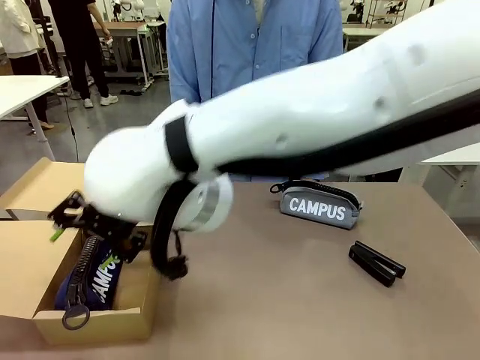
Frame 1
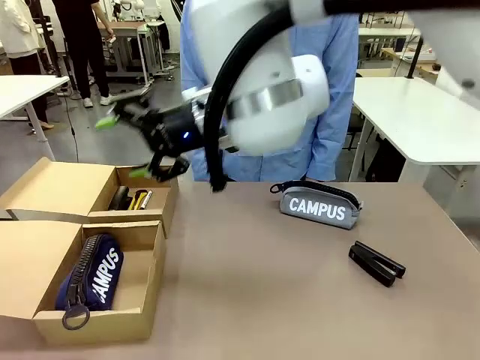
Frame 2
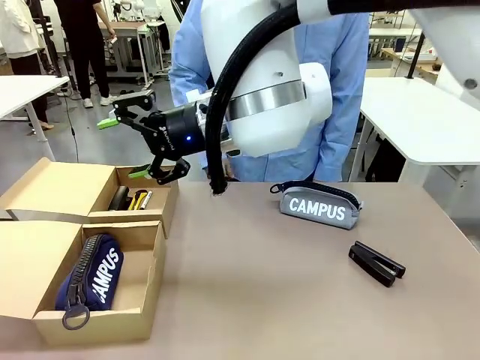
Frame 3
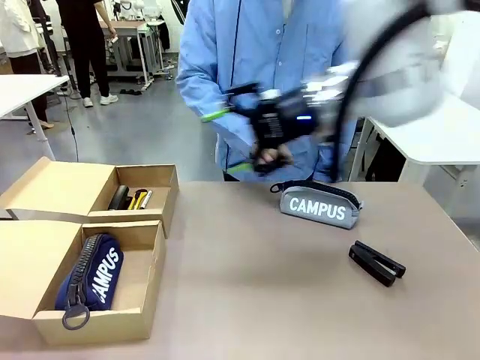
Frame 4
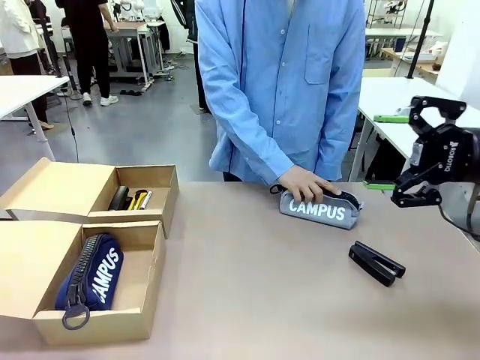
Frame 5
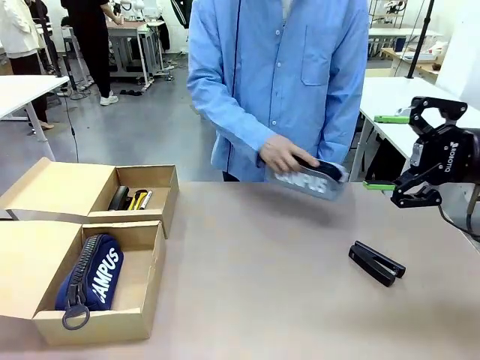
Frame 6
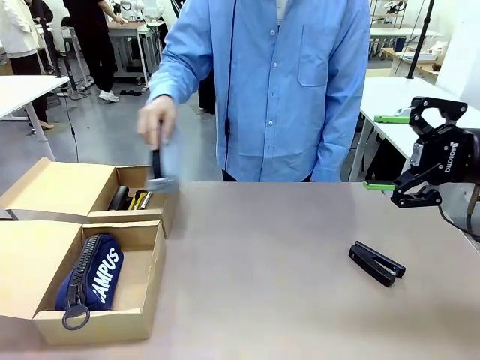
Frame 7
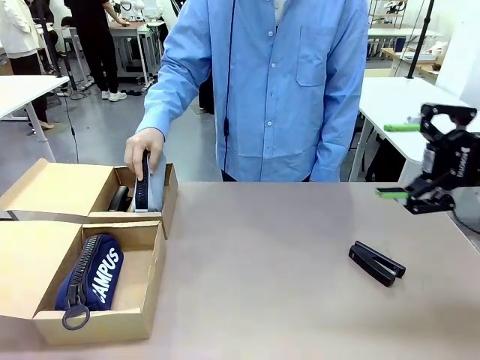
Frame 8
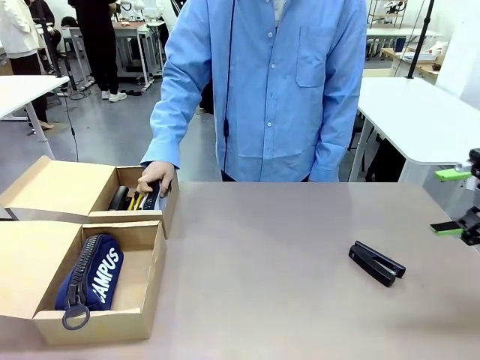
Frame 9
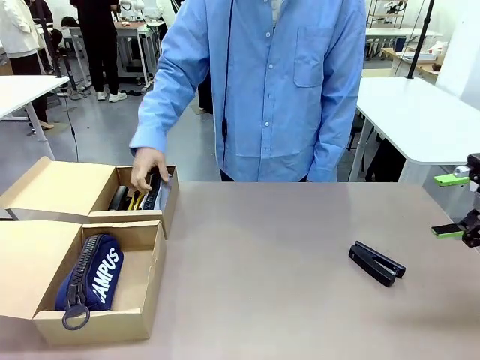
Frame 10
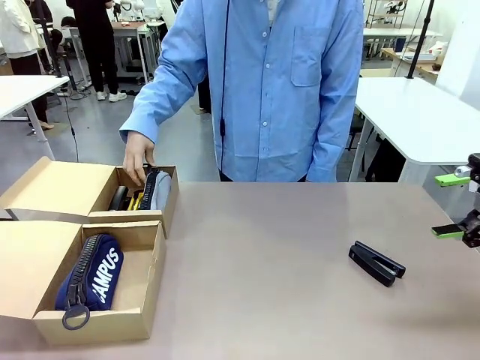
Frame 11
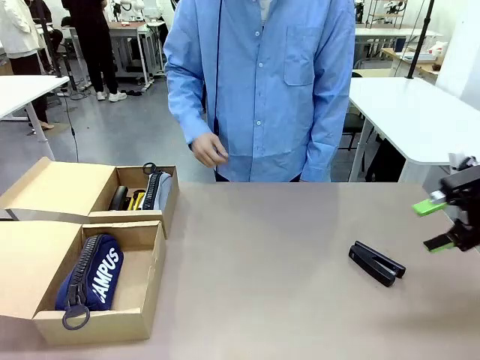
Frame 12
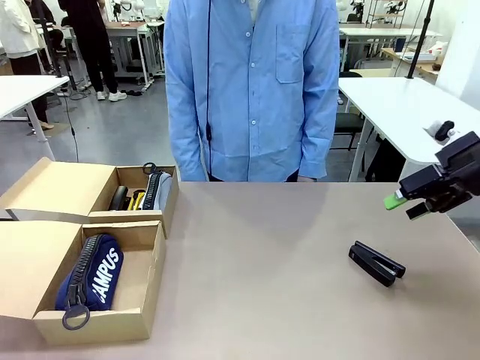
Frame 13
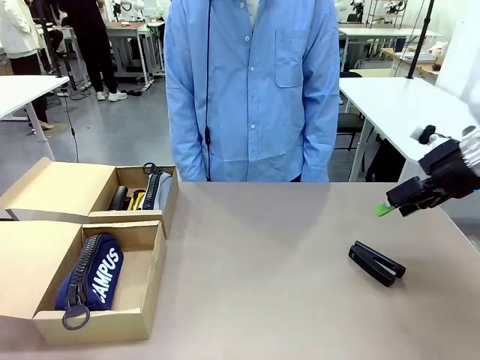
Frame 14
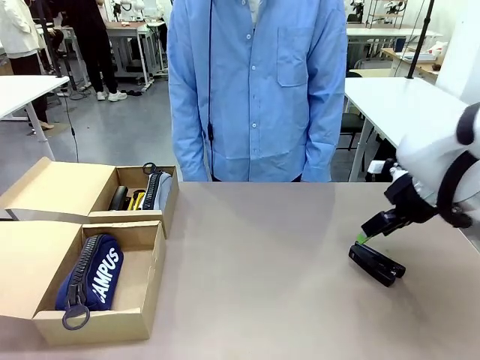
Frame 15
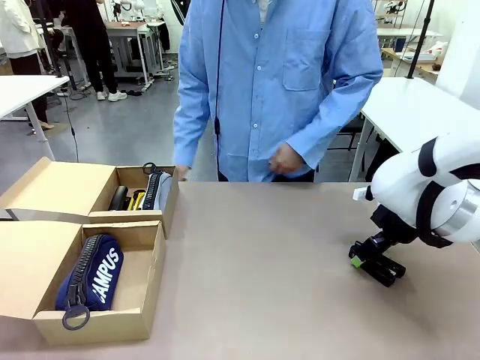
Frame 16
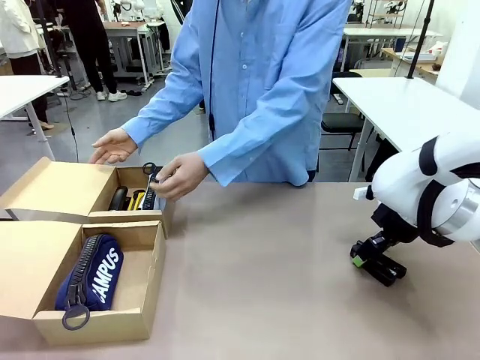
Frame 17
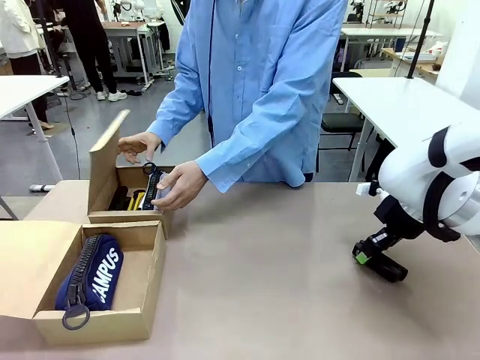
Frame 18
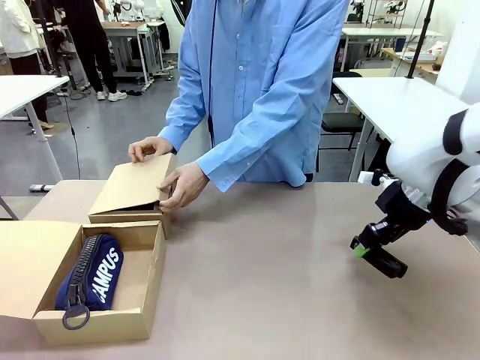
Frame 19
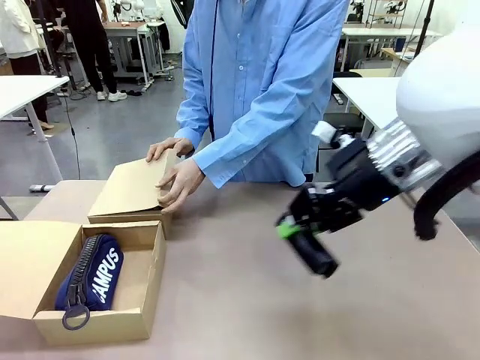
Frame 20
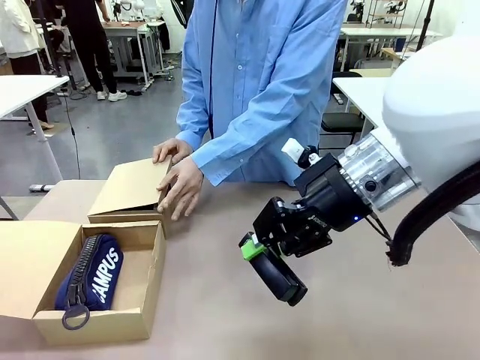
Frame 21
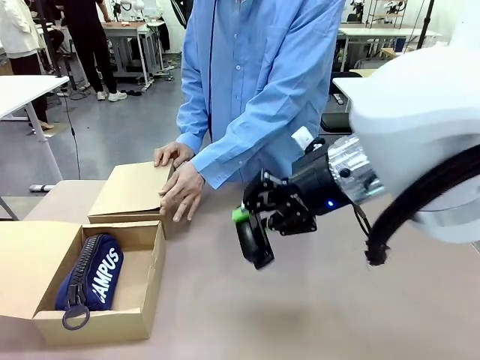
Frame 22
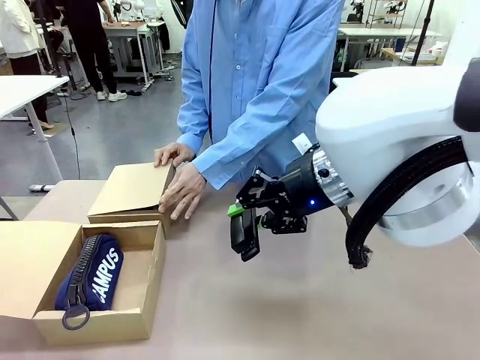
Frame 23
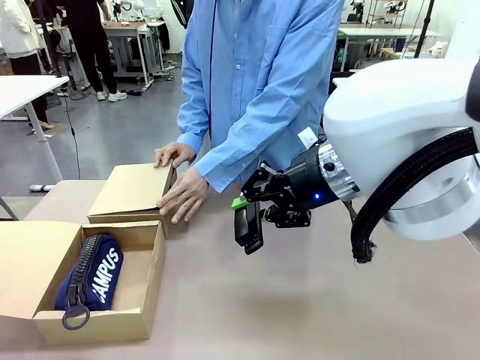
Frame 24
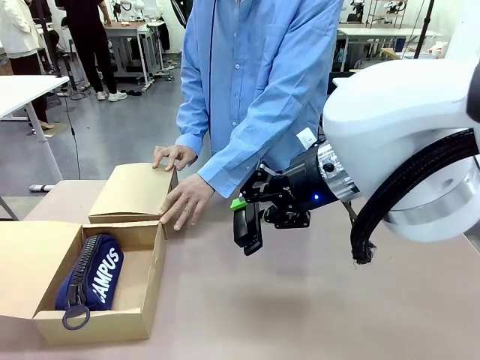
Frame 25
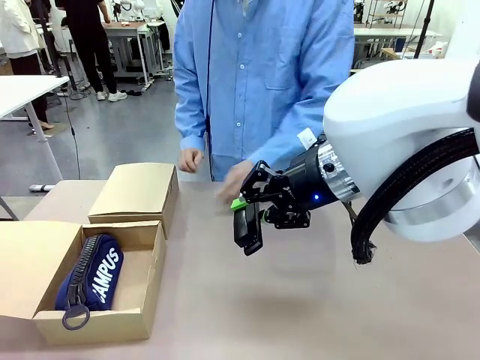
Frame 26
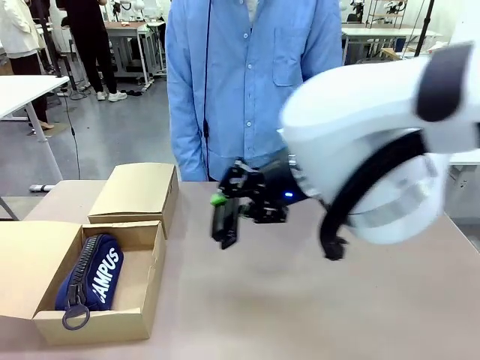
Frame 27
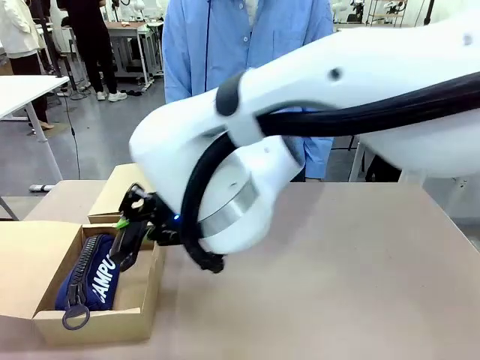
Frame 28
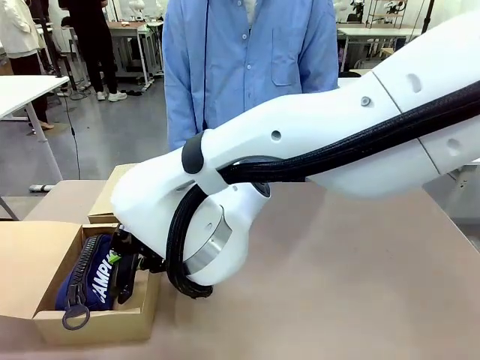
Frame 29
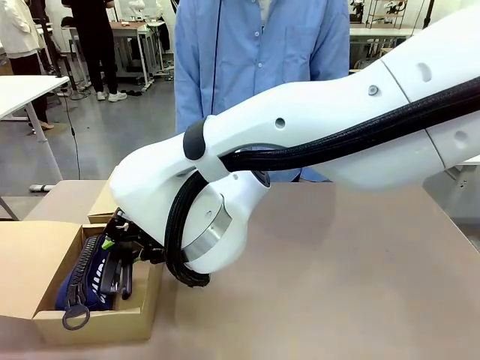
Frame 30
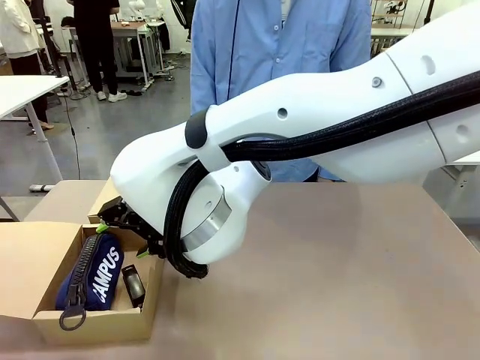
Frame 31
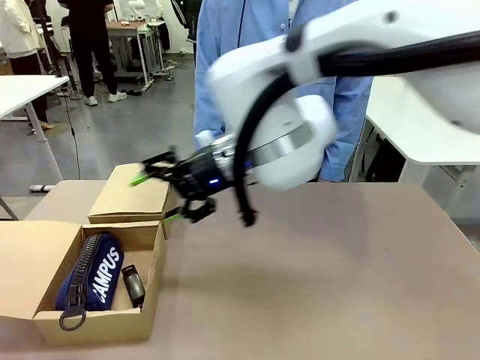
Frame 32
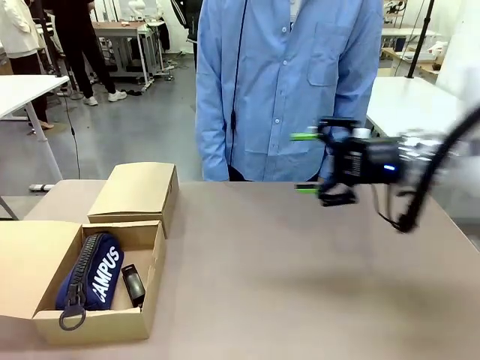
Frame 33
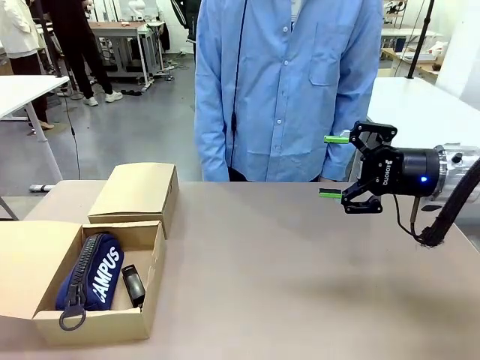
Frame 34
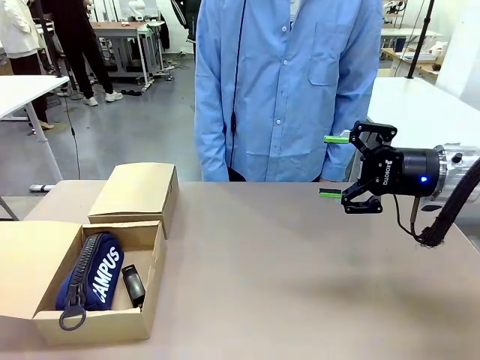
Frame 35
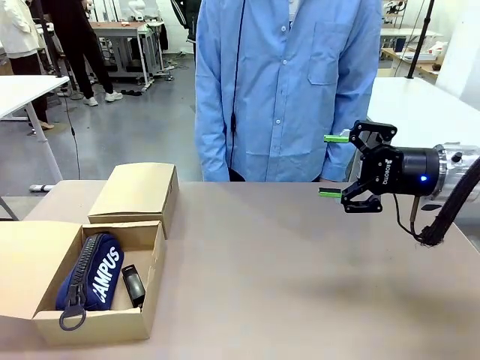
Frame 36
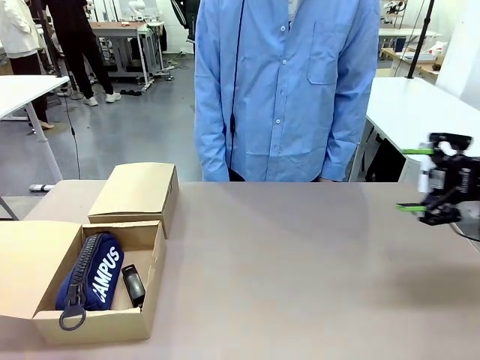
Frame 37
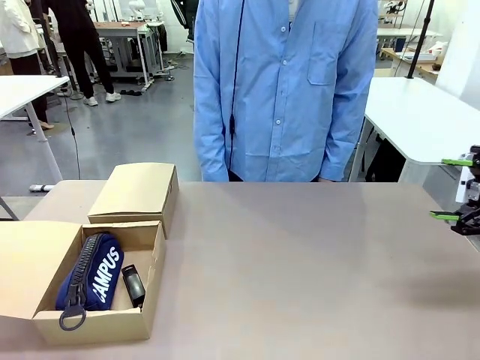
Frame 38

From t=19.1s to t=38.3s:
Task: Place items inside the box.
Robot: Pick up a Pencil pouch or Stapler and place it inside the Mailer Box closest to the robot.
Person: Close the lid of the box facing the person.

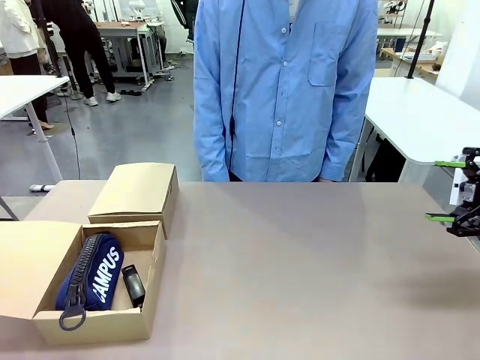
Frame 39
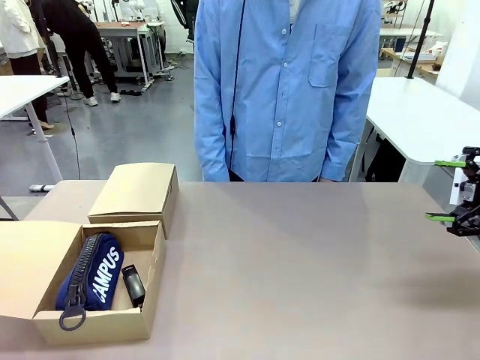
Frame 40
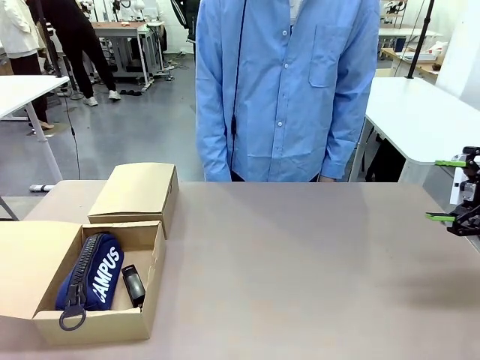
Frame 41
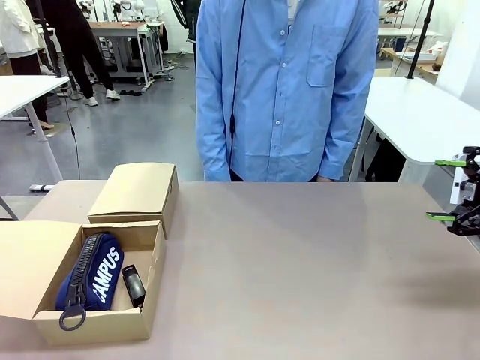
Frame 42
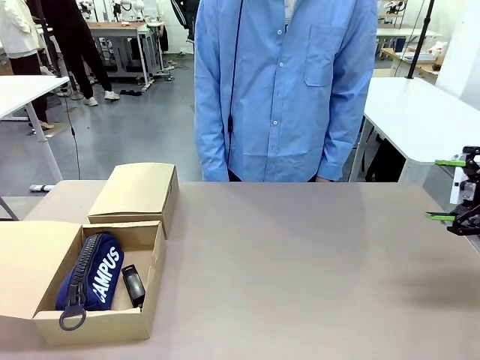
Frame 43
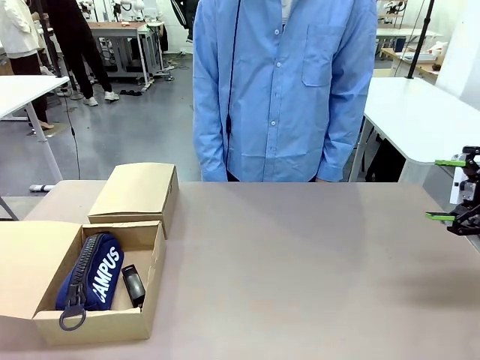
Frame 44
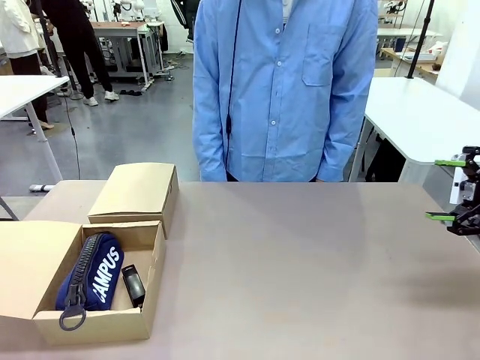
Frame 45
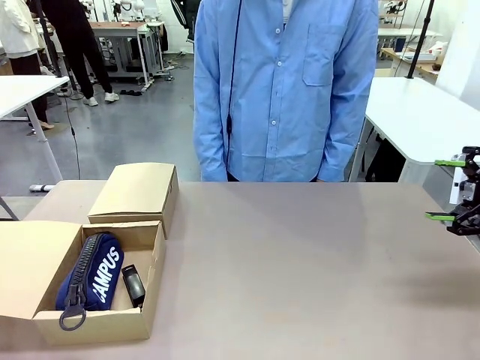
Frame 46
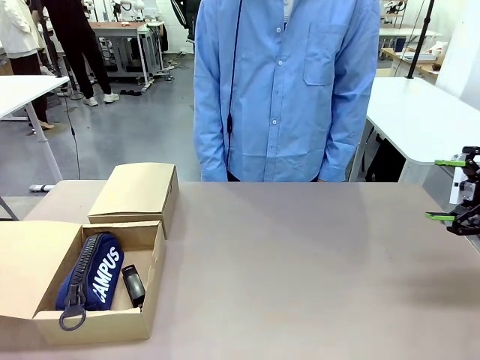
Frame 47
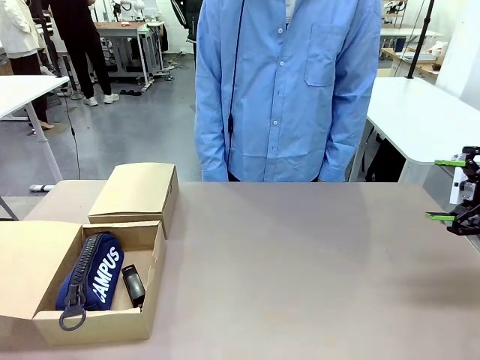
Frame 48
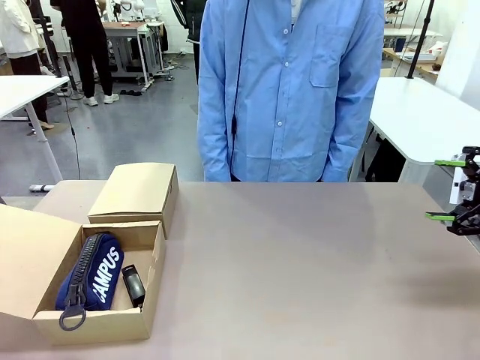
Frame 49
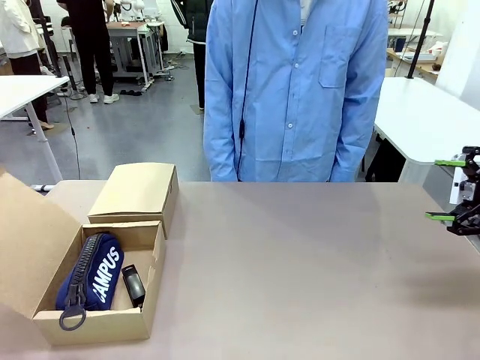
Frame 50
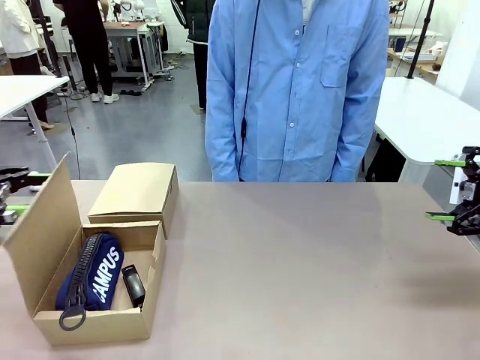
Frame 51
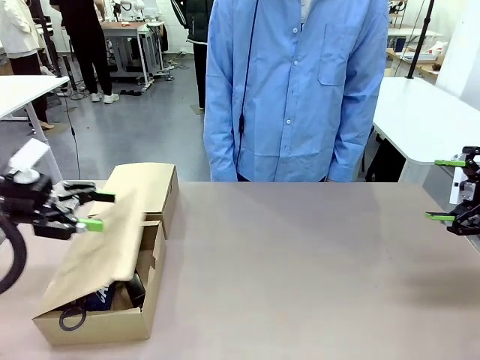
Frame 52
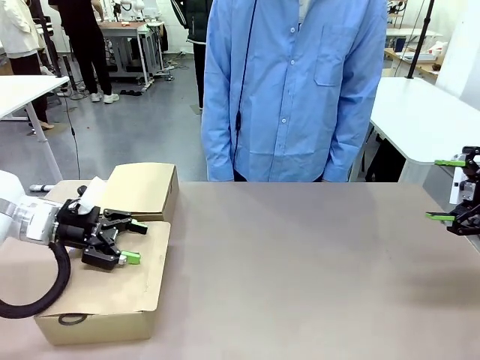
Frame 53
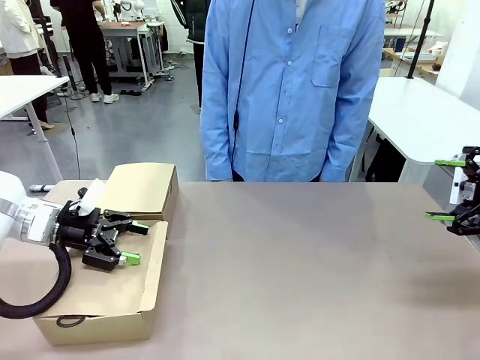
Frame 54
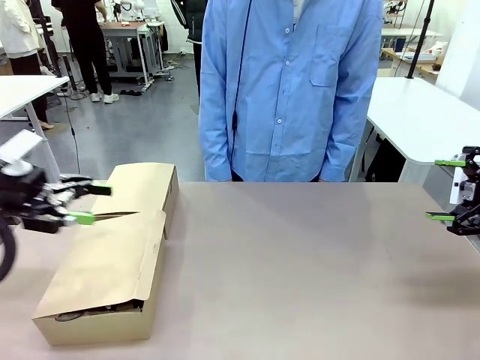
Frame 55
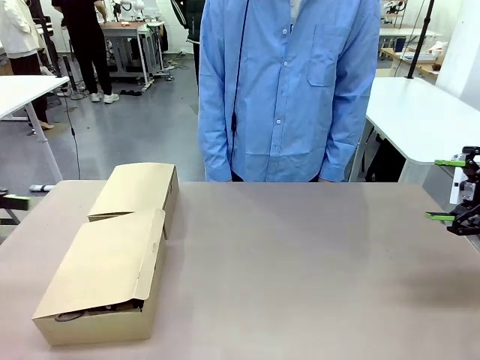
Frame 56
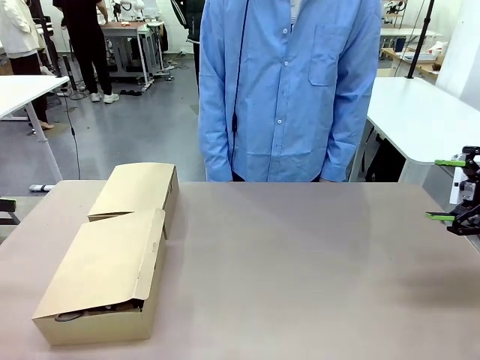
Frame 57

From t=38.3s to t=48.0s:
Robot: Close the lid of the Mailer Box closest to the robot.
